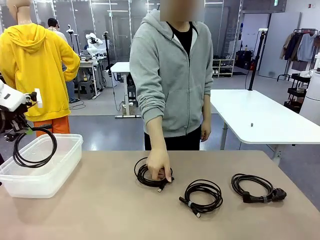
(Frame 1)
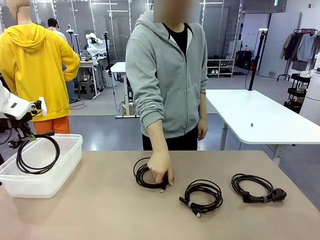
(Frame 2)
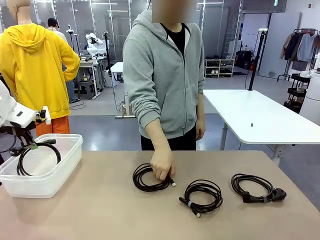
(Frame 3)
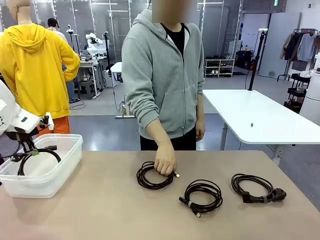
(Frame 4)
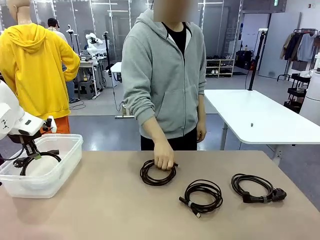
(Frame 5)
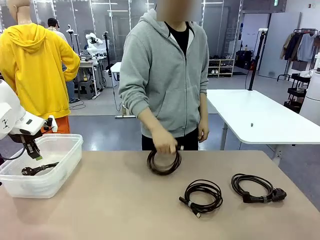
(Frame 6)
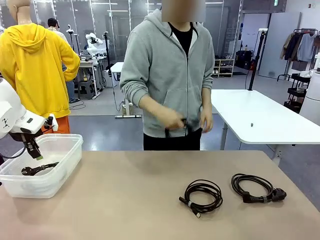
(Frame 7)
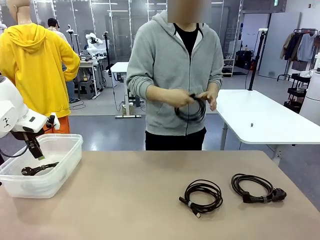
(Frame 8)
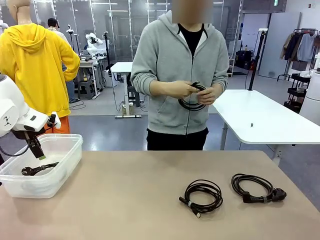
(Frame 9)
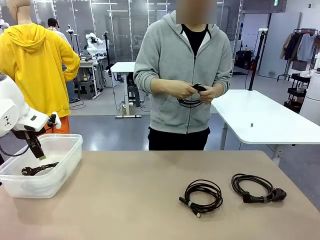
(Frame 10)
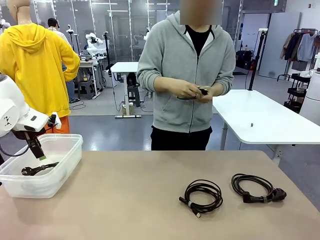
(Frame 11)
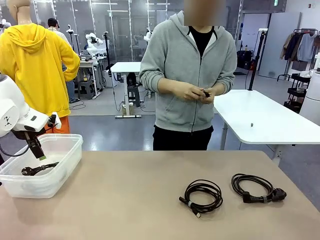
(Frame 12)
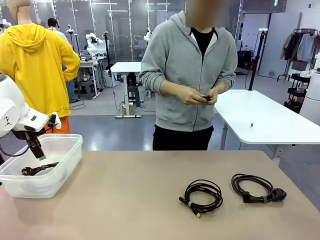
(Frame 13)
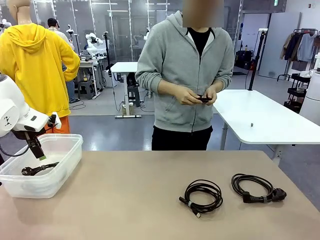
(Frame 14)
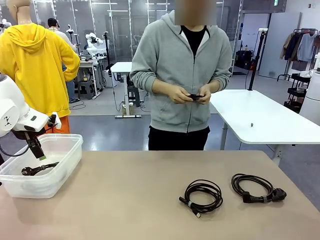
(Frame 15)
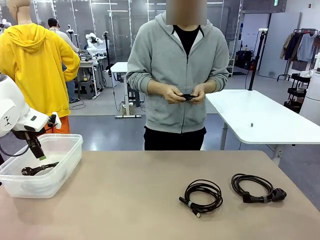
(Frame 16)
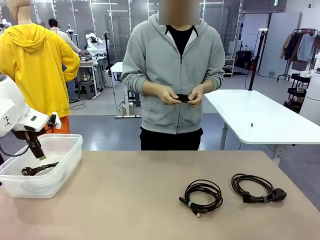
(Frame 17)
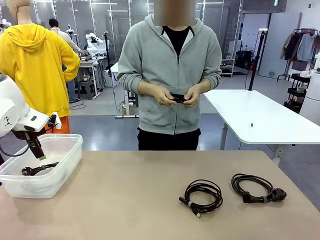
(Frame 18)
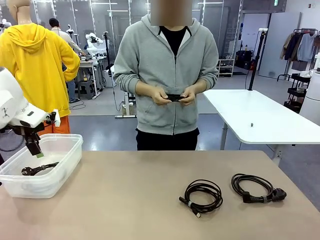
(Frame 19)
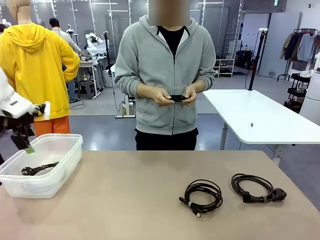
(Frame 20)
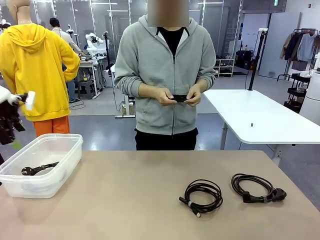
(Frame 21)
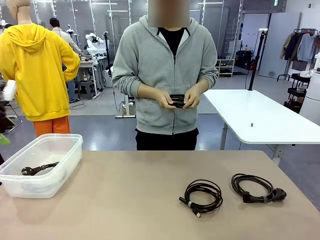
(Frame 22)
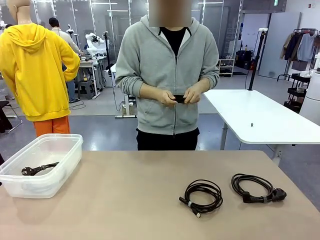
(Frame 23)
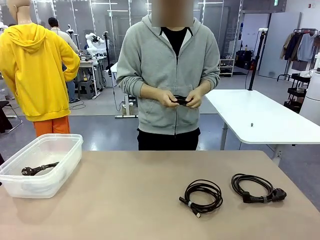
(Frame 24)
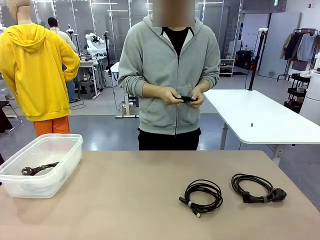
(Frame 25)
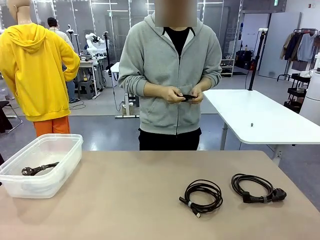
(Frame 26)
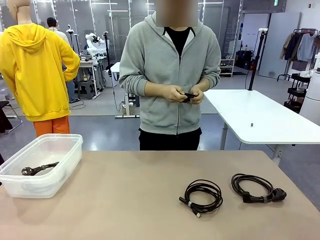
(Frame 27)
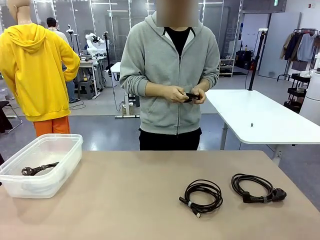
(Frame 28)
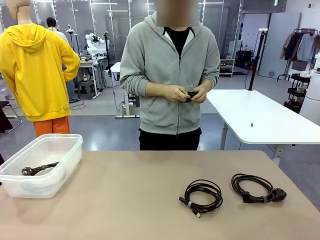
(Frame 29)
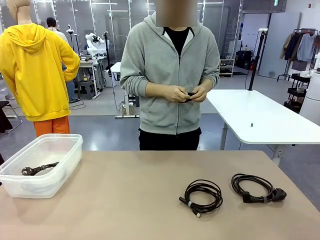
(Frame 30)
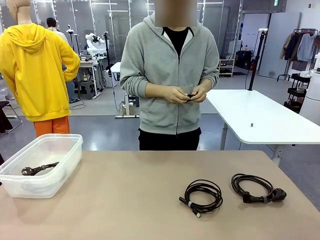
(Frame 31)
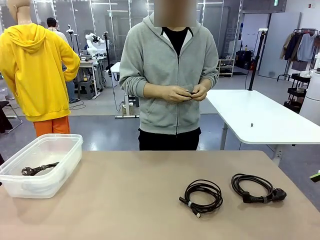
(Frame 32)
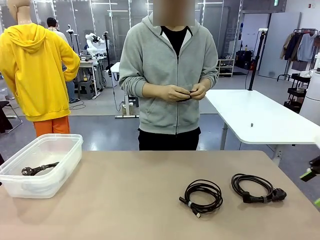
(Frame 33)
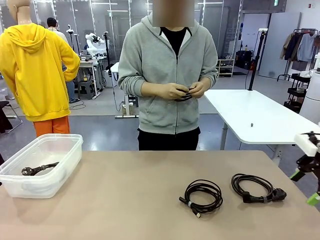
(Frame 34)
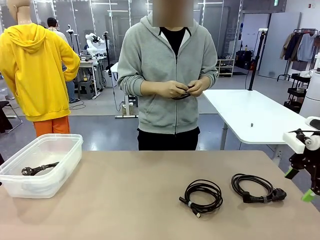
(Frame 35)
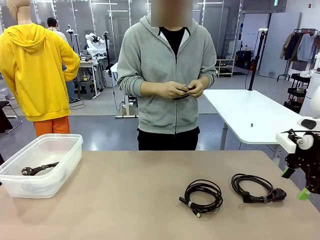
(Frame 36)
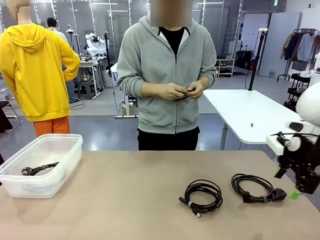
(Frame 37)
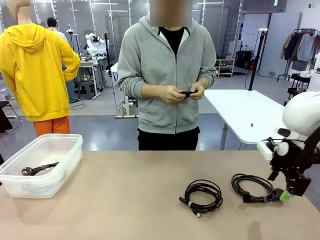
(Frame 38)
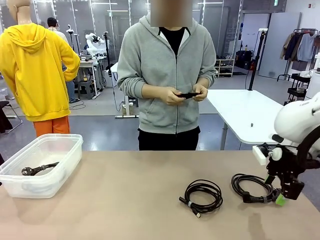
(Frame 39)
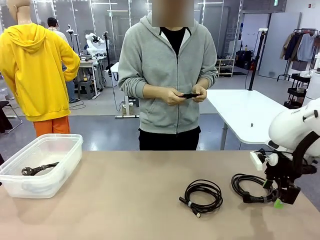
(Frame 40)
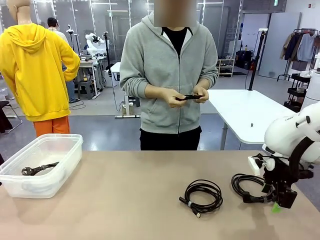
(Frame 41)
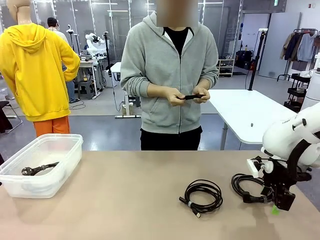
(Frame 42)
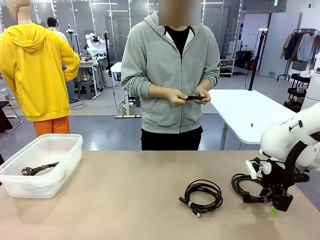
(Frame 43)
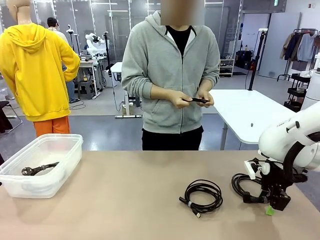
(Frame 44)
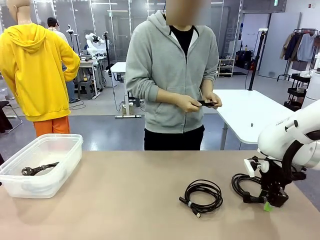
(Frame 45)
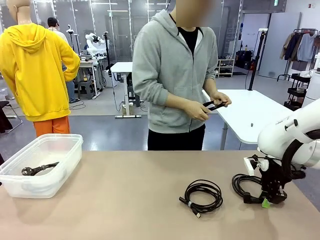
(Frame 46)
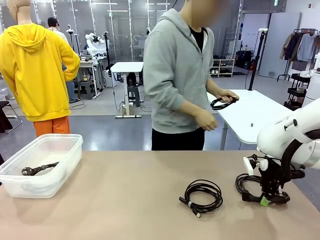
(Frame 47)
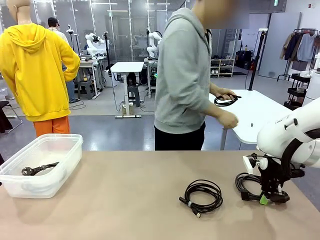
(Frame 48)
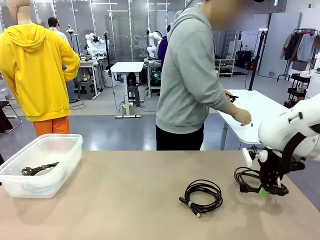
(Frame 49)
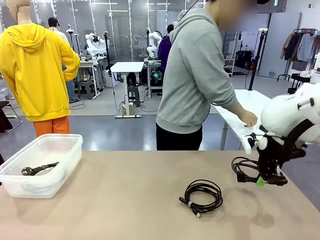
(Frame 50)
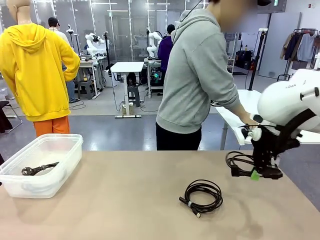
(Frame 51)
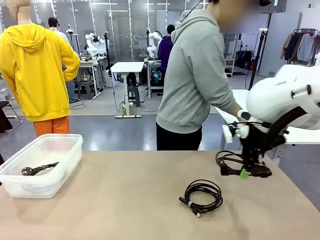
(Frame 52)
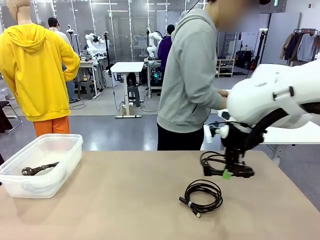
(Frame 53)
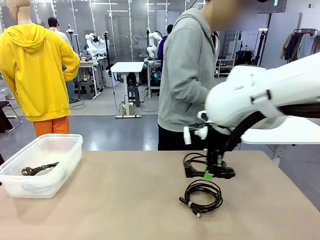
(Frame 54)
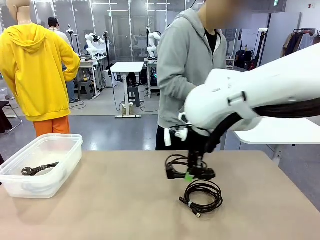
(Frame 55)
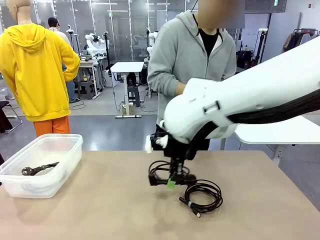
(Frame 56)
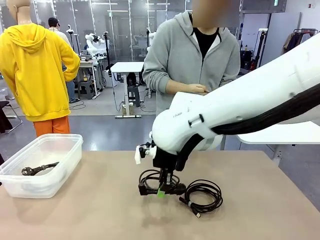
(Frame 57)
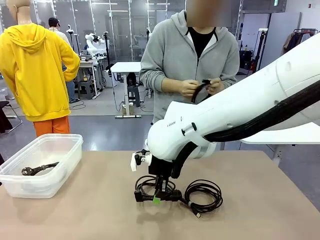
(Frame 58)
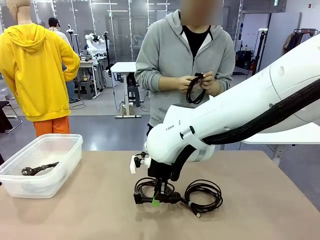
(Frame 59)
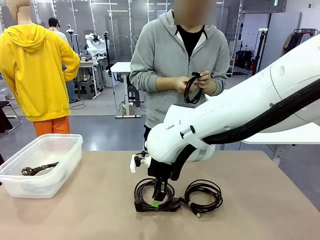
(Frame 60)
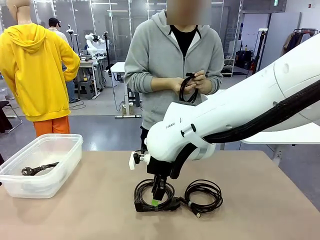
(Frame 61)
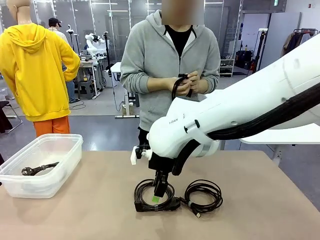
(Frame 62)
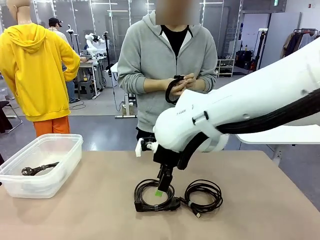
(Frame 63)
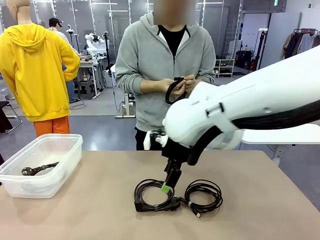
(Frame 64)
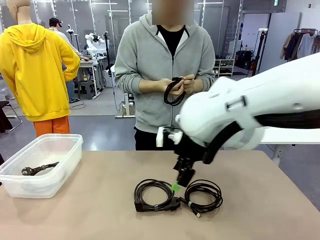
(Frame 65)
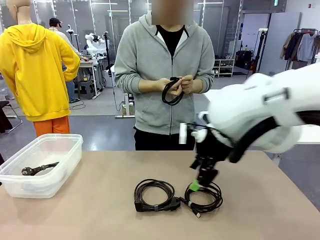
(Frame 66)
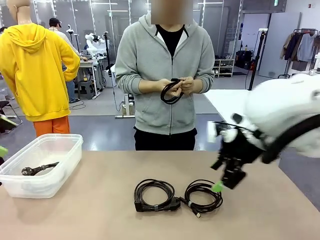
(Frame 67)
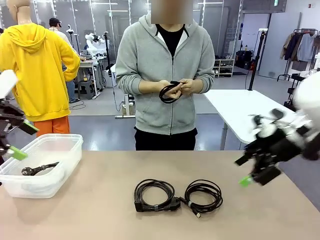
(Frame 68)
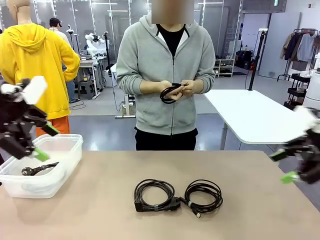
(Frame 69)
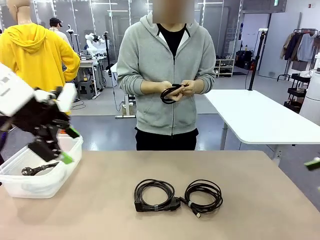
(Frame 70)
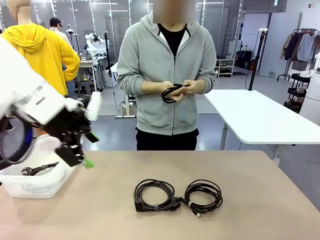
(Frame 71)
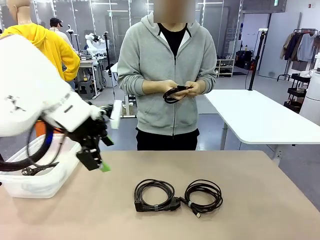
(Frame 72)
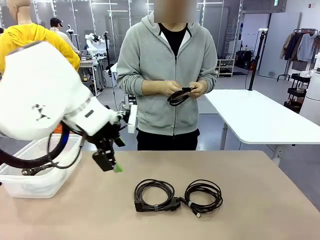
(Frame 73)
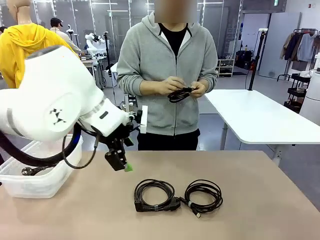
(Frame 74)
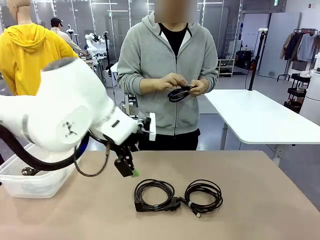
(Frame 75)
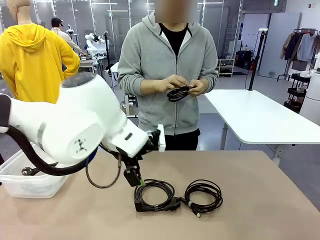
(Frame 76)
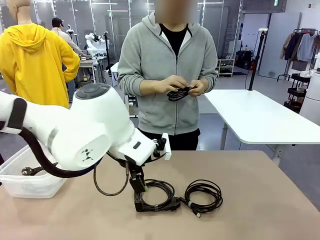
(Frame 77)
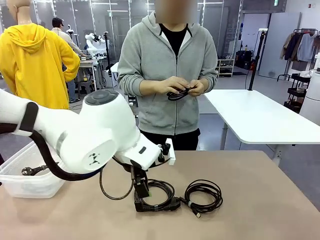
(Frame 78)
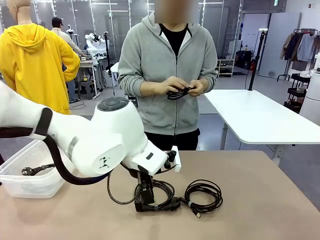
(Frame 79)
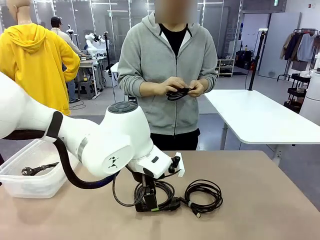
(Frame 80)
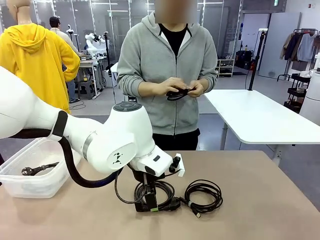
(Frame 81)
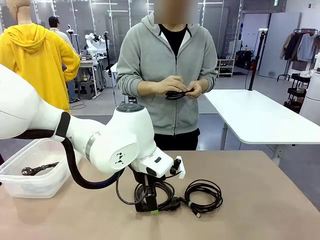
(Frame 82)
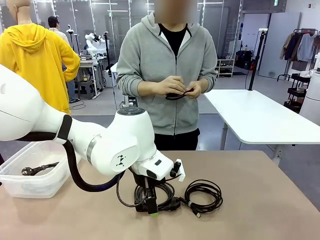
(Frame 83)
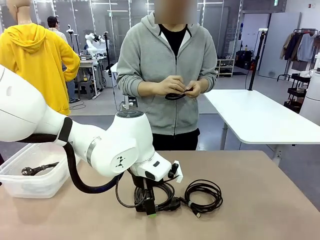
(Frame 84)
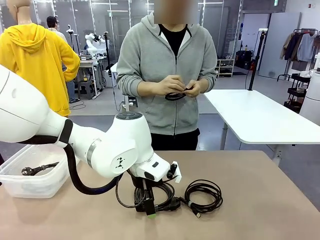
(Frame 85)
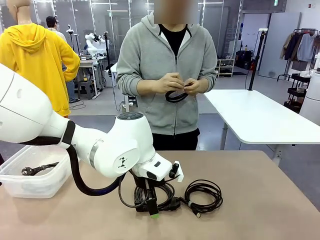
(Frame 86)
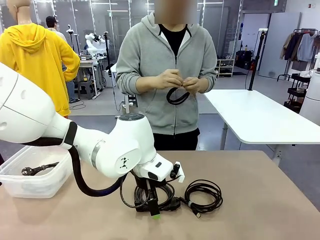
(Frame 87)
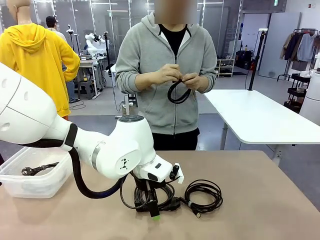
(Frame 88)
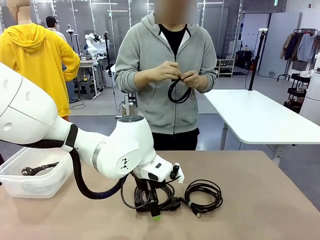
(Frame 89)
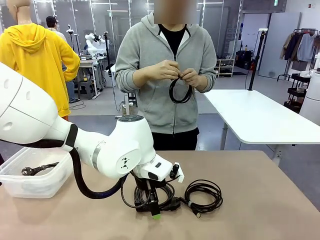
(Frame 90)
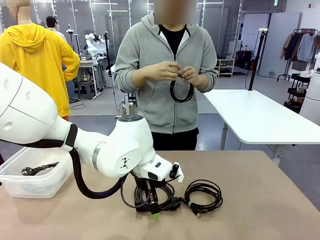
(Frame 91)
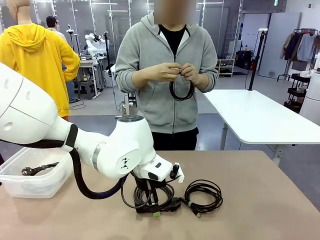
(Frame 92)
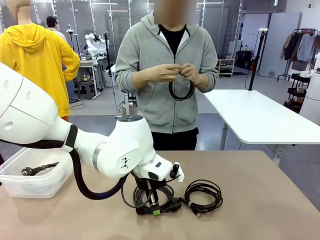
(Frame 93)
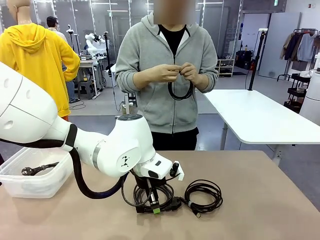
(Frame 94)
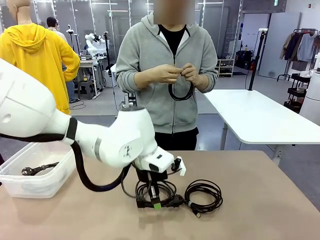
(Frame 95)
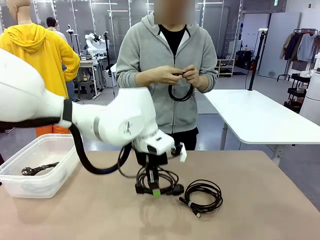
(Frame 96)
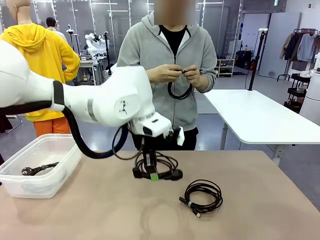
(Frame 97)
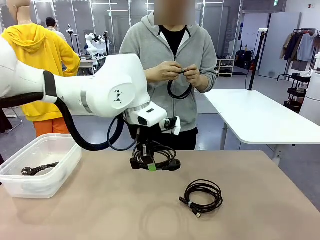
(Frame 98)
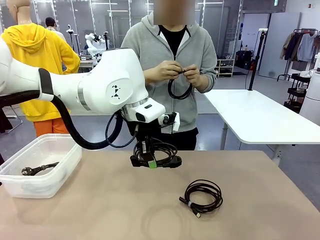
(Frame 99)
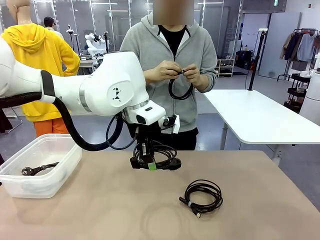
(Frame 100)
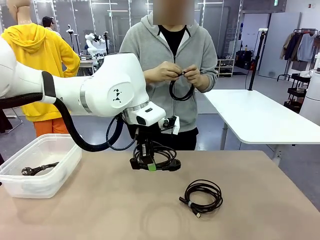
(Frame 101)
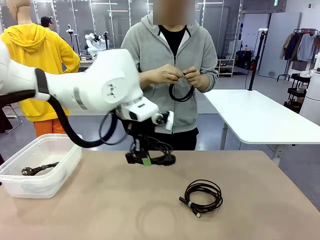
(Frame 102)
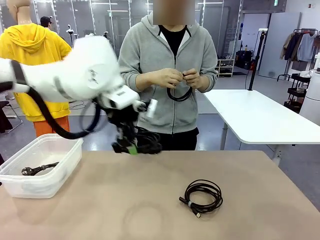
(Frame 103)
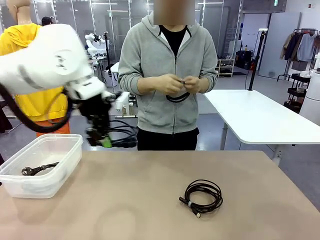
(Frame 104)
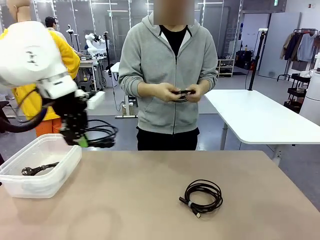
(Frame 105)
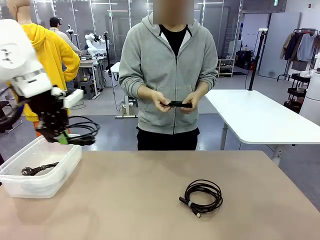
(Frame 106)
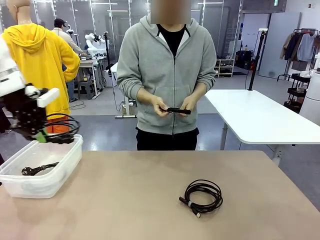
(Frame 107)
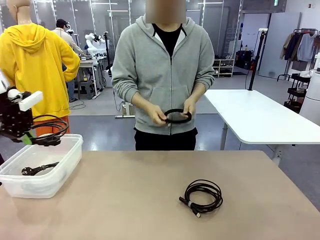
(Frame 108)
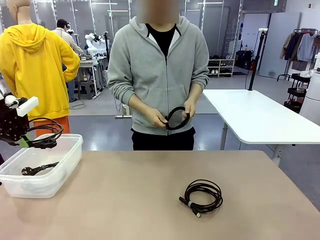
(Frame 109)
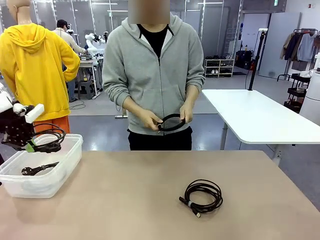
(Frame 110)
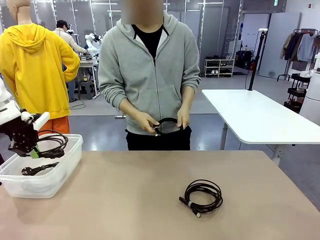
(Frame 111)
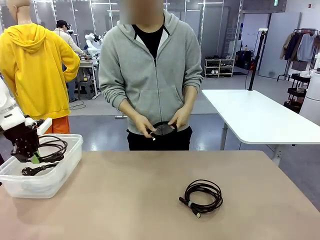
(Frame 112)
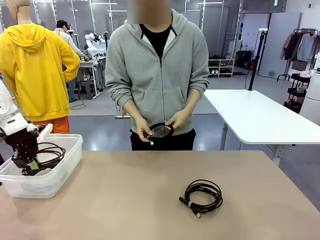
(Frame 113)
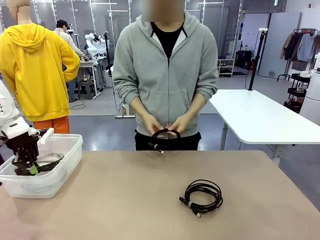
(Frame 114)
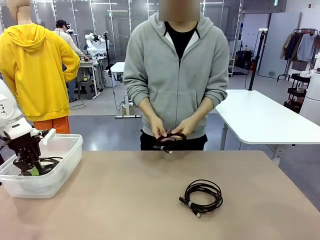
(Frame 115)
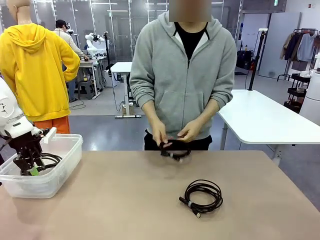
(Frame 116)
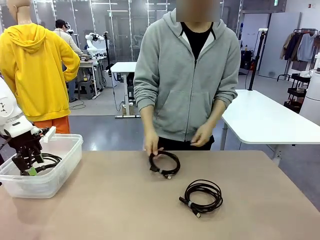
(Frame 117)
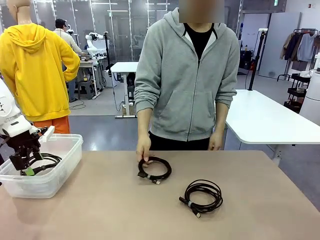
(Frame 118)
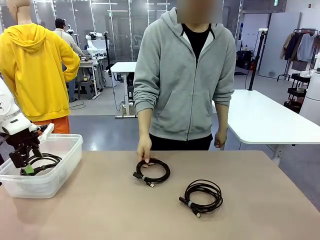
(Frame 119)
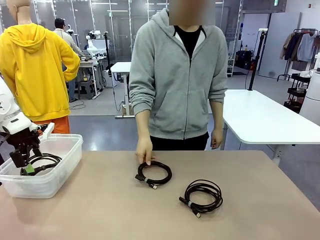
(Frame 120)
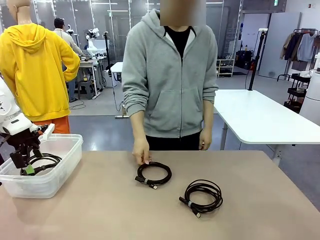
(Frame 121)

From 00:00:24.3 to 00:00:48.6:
Task: Organize and store the cables.
Robot: Place the Power Cable into the Organizing box.
